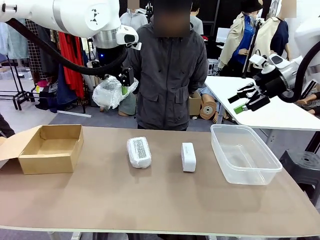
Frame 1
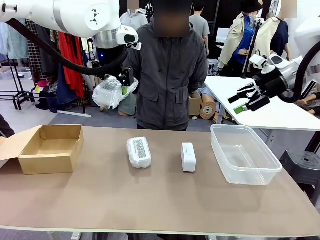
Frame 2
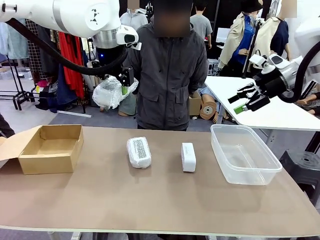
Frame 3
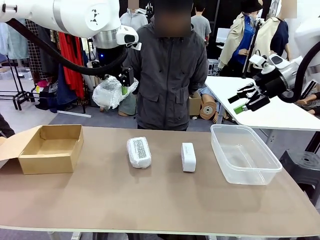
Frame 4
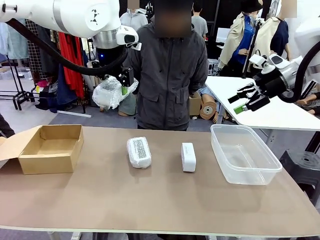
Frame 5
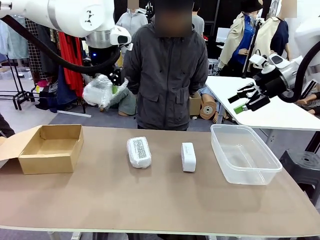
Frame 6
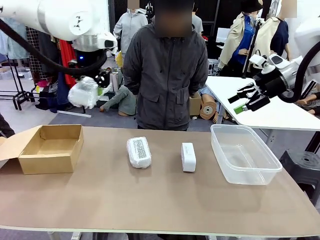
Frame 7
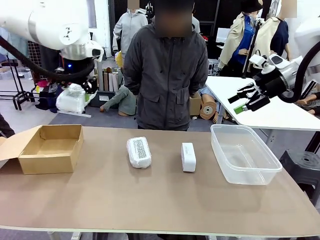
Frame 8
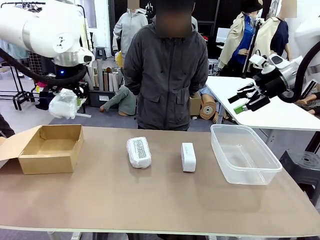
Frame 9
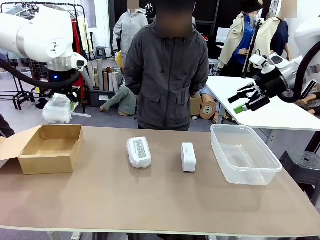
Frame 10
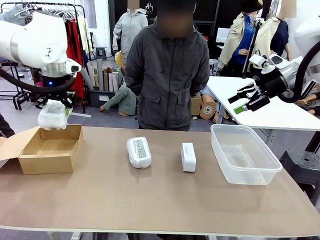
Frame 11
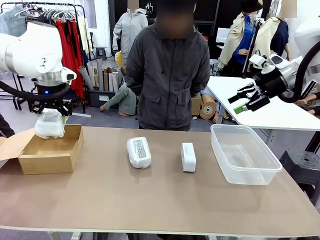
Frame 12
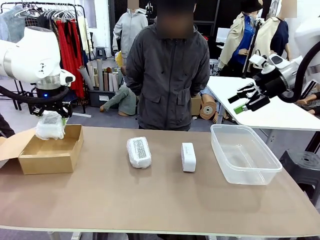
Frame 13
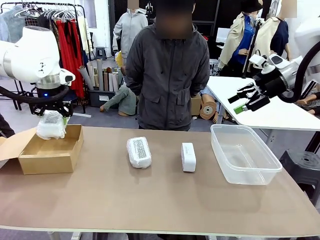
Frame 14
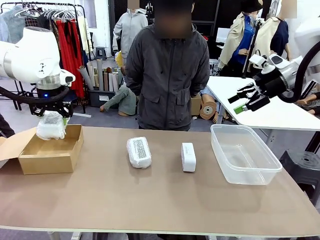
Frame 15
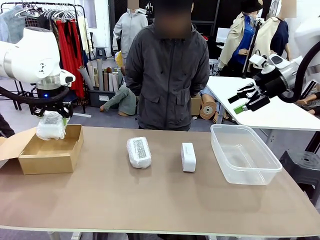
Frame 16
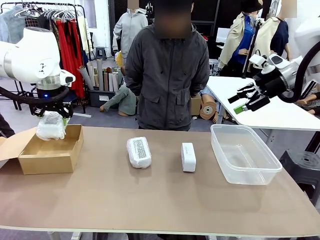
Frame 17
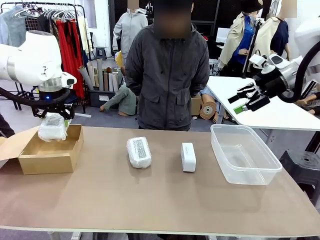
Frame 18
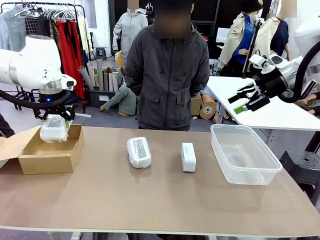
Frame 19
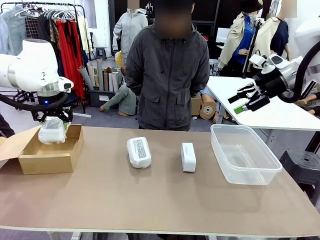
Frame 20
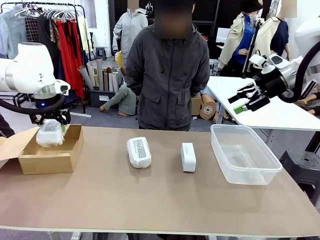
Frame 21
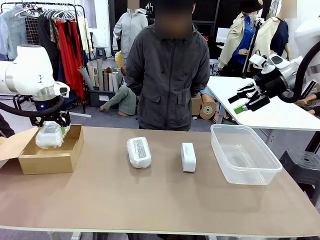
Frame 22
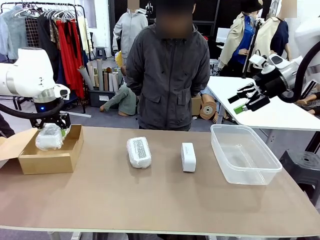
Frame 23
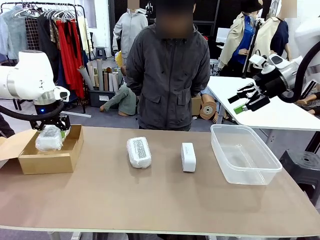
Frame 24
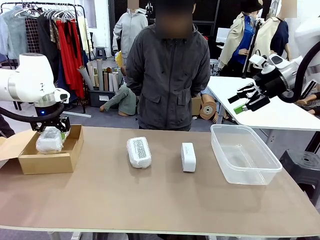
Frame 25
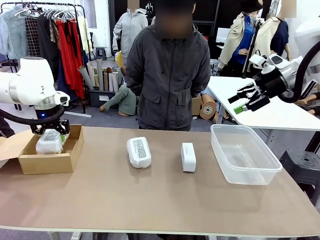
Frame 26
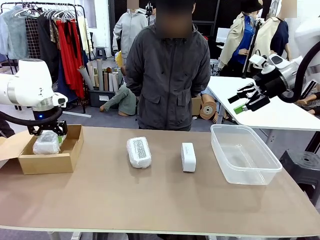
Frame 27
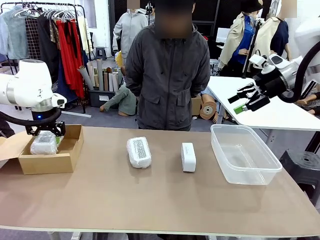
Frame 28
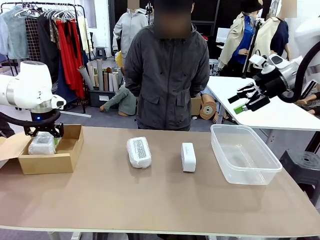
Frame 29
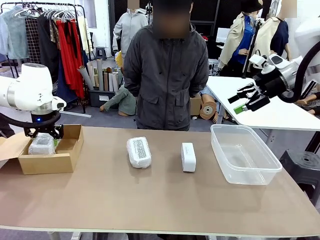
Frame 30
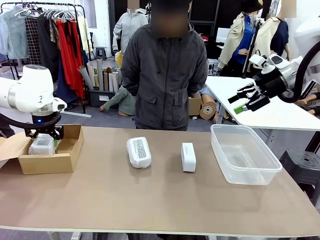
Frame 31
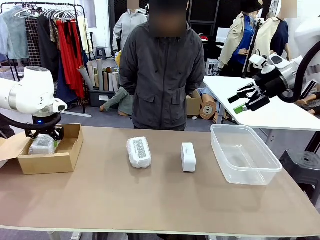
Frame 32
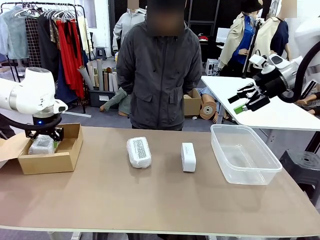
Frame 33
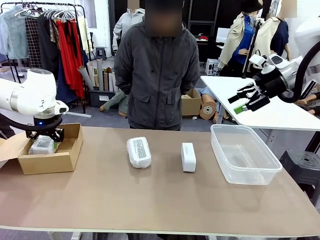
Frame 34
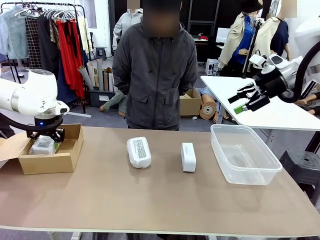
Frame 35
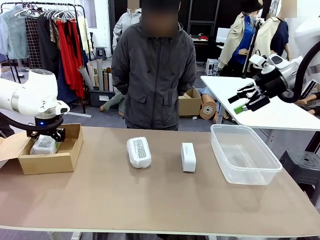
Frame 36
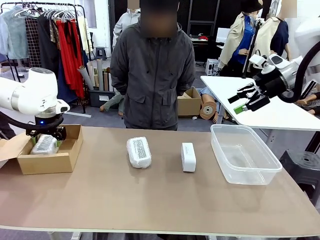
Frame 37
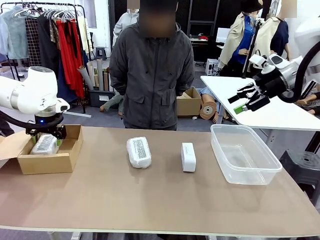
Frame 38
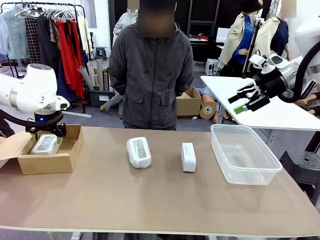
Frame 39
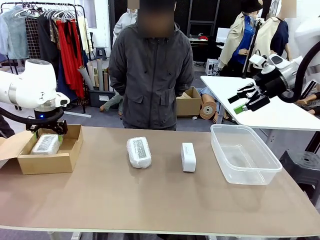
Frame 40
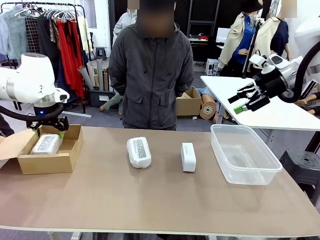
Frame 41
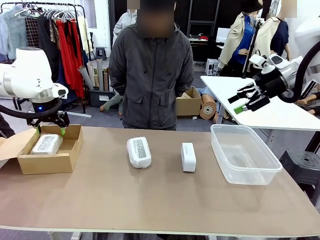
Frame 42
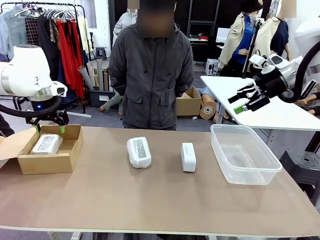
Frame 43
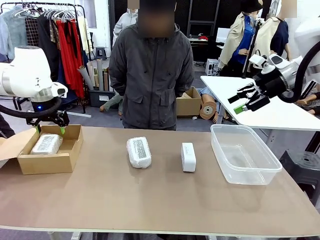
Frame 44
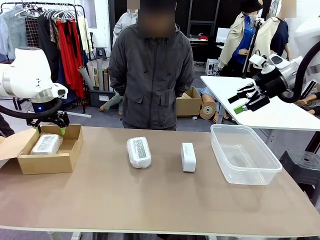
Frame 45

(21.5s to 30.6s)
Task: Separate and place wrapped and unwrapped clocks.
Robot: If the picked Digital clock is wrapped, place it in the Package Box ; if not, place it in the Organizing box.

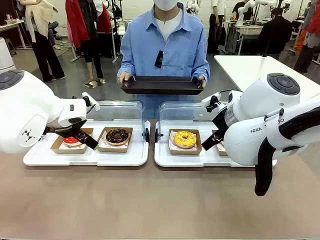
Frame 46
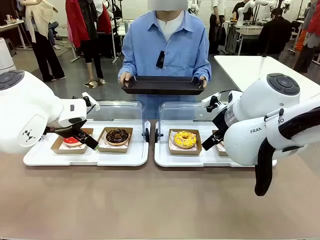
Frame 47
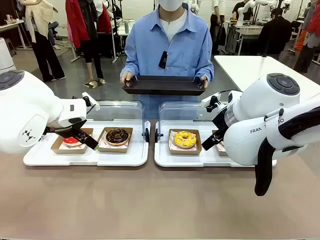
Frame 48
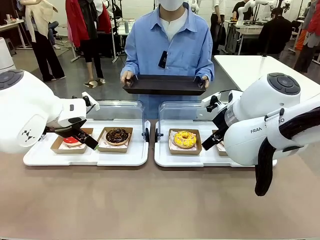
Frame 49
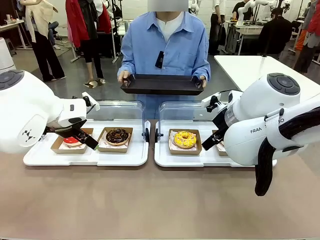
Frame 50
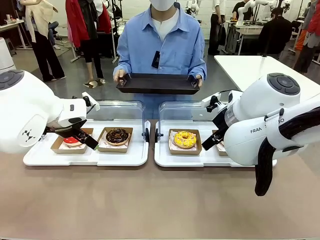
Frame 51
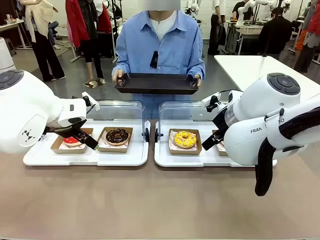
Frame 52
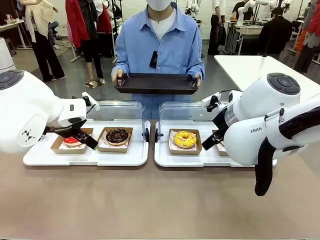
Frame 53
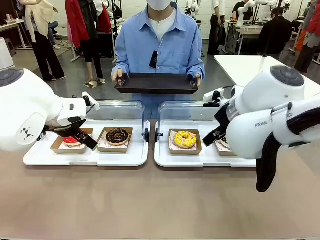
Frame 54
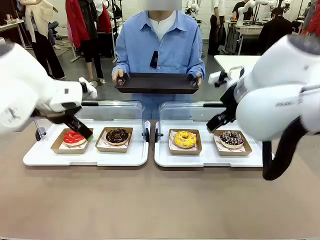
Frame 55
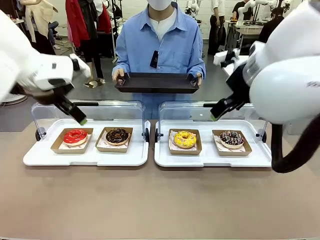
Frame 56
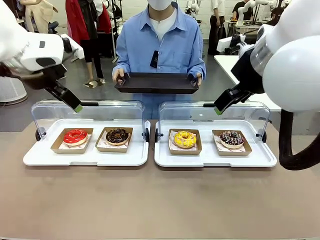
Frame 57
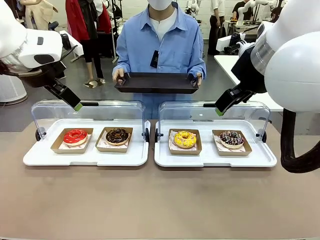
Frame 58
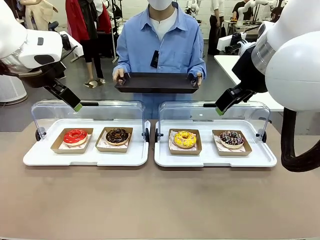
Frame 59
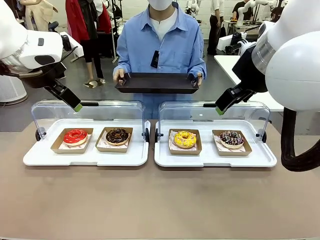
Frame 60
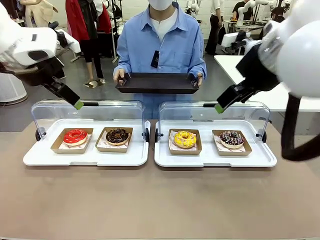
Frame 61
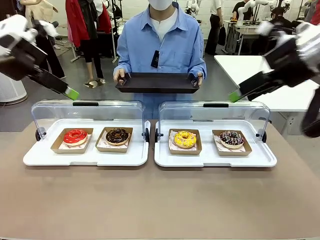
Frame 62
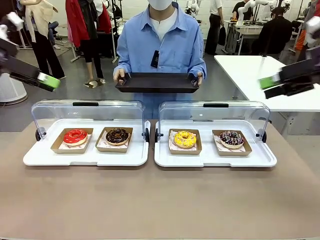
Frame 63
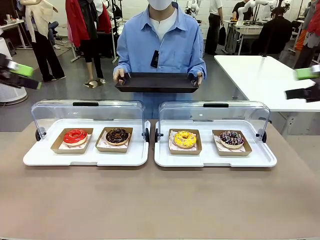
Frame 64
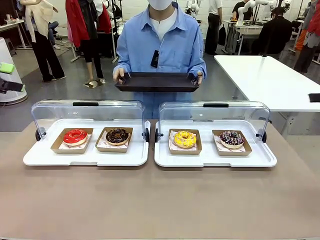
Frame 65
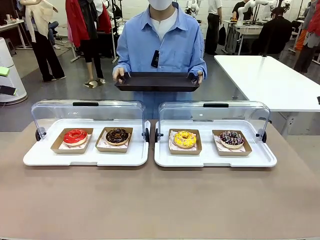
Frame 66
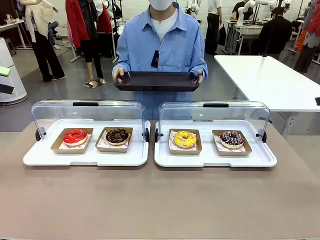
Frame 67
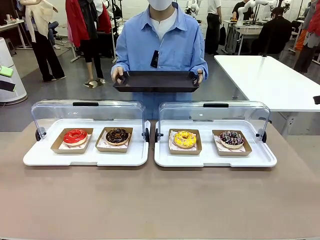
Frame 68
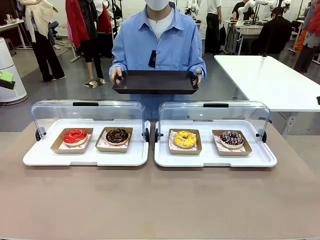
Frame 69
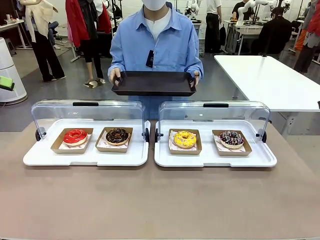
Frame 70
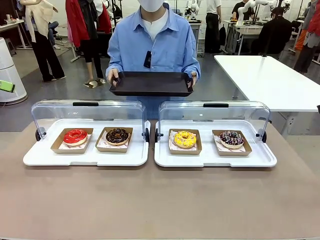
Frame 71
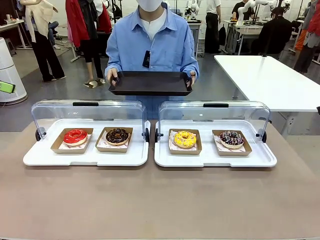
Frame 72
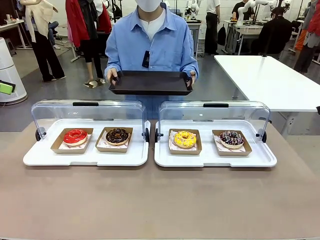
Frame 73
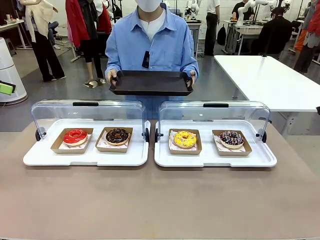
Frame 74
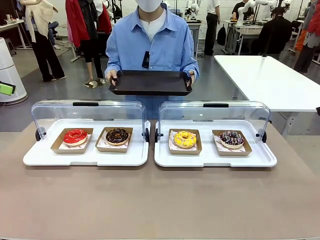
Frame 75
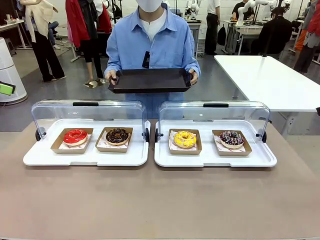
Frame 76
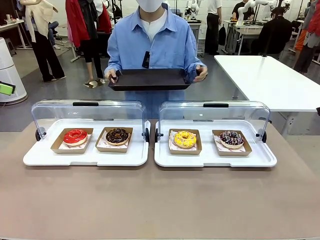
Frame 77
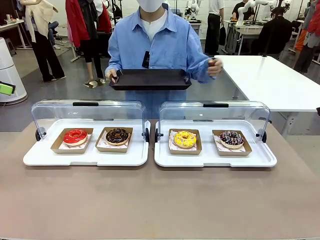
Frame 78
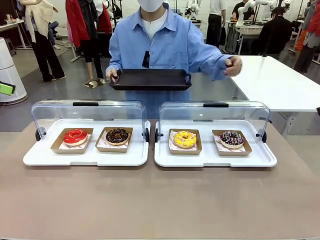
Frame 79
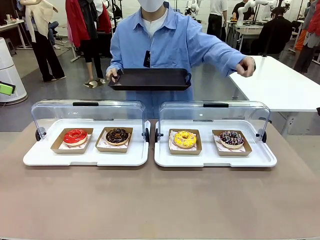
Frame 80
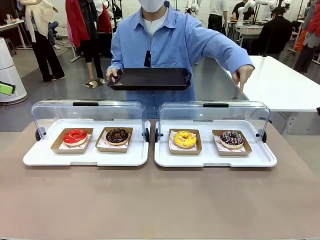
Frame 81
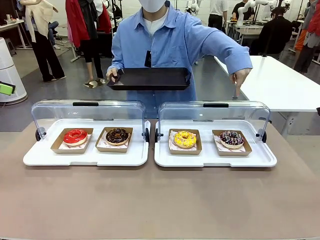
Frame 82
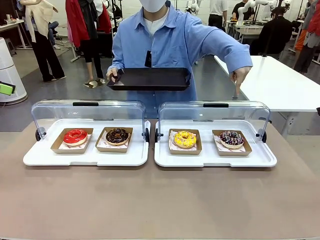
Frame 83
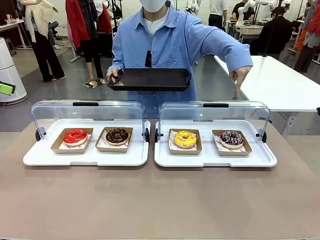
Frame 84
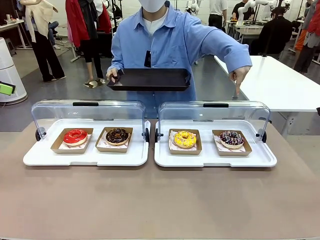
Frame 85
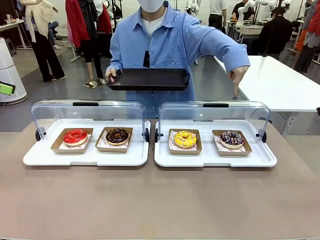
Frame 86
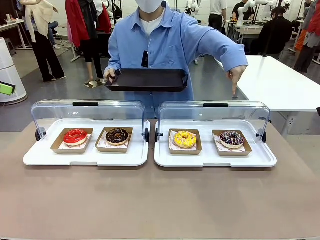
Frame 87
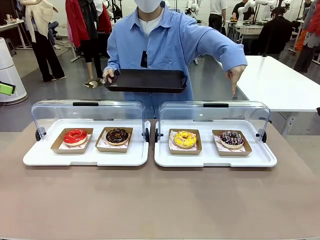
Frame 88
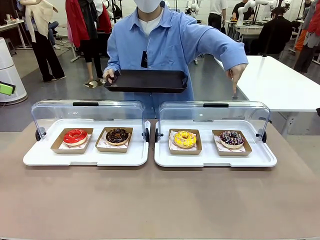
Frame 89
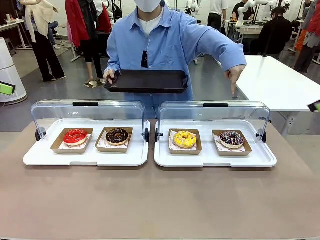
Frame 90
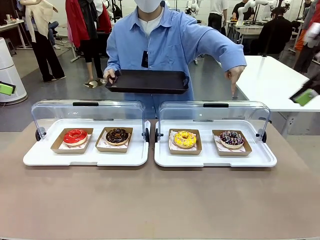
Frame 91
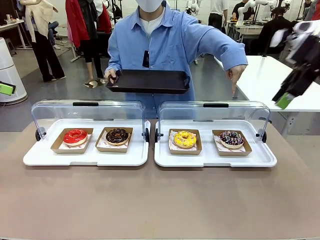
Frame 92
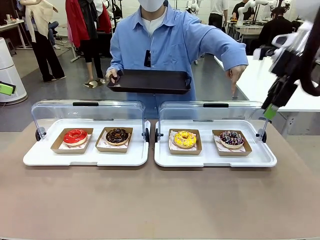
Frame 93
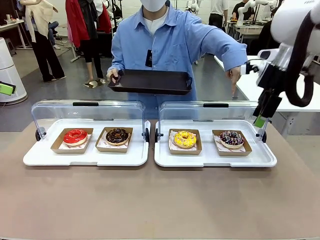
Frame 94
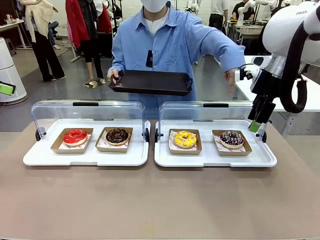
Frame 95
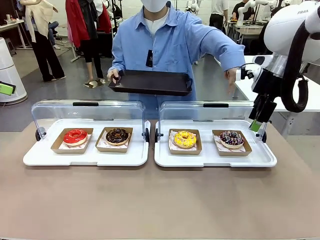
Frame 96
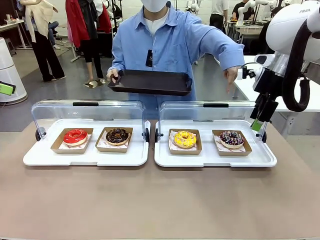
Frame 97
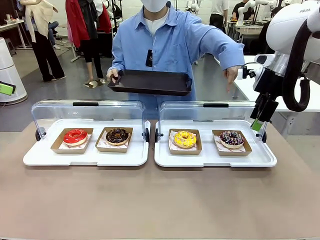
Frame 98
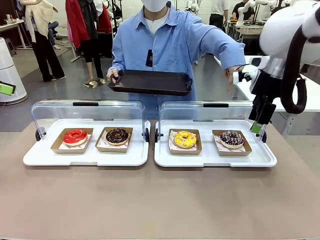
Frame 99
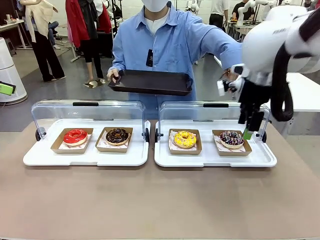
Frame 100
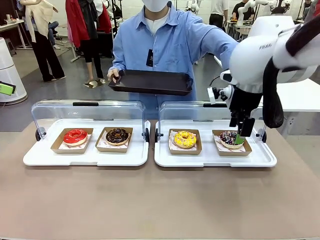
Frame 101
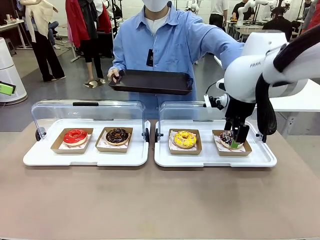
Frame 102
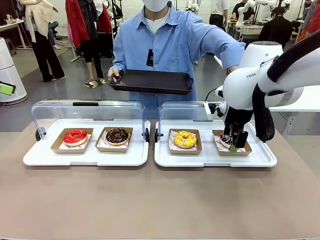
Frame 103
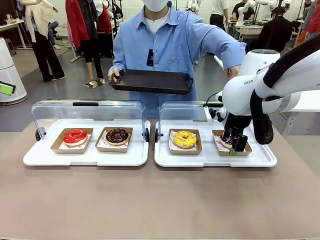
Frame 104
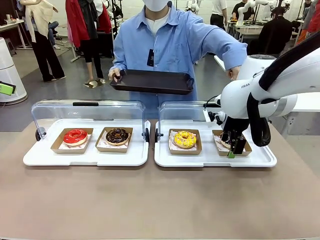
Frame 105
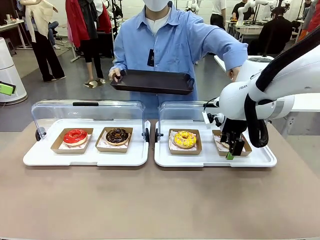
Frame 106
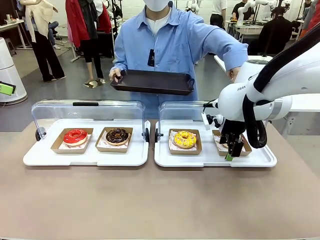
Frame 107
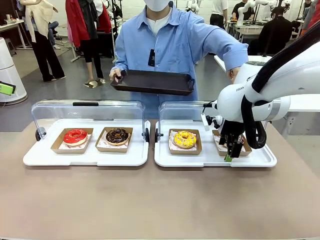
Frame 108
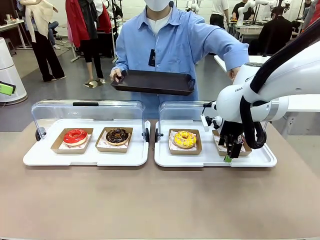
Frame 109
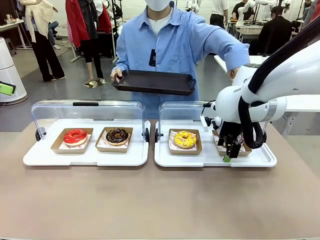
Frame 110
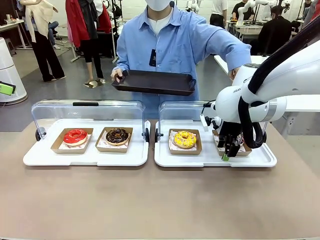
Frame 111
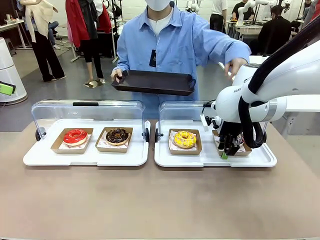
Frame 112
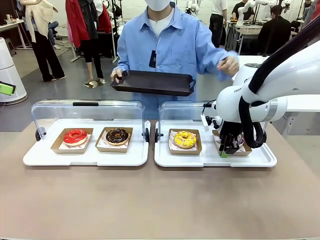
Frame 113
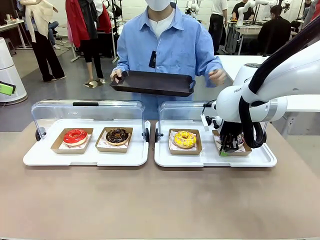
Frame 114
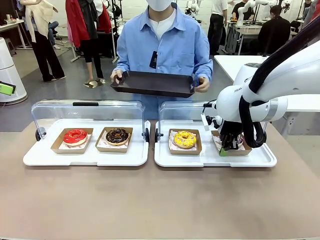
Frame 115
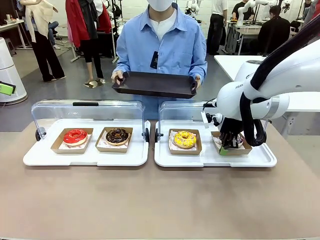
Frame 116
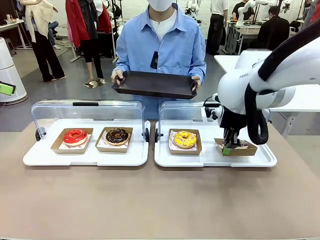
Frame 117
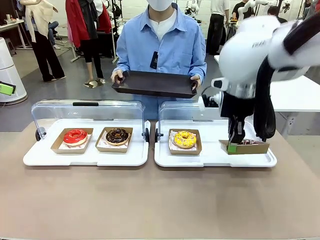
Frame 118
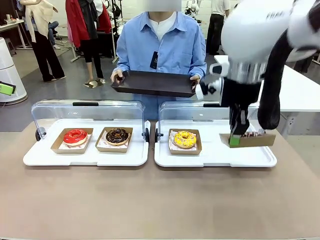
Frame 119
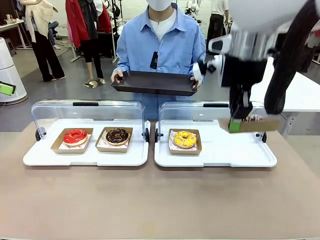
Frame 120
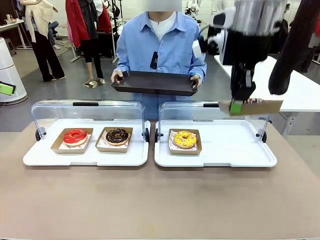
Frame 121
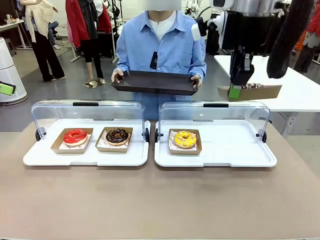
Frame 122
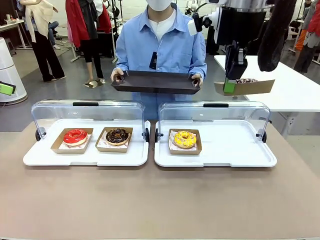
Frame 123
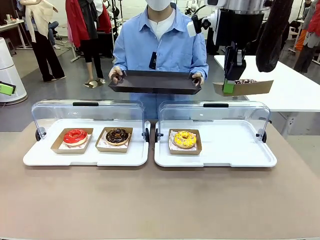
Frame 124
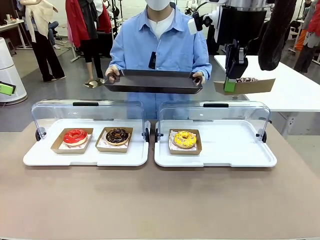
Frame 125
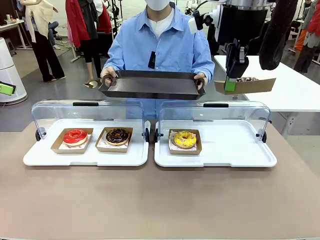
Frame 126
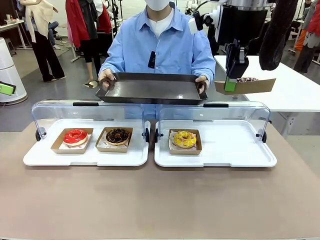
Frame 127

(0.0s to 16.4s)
Task: Provide the desired donut to the person.
Robot: Pick up and lift the Paper togo box containing the Donut pointed at by the person.
Person: Point to one donut. Lift the tray onto the Roll-Top Bakery Case.
